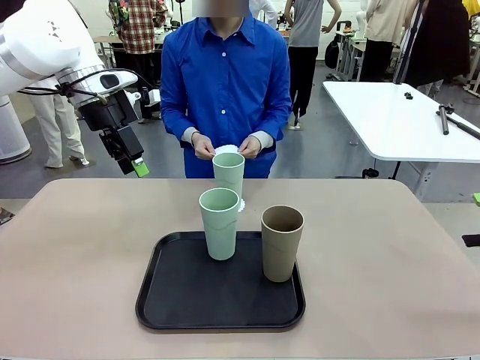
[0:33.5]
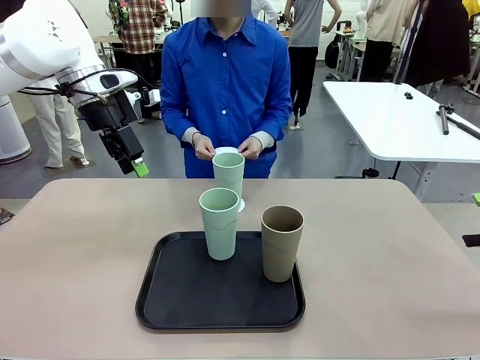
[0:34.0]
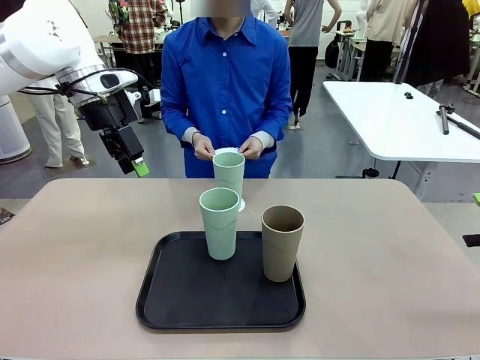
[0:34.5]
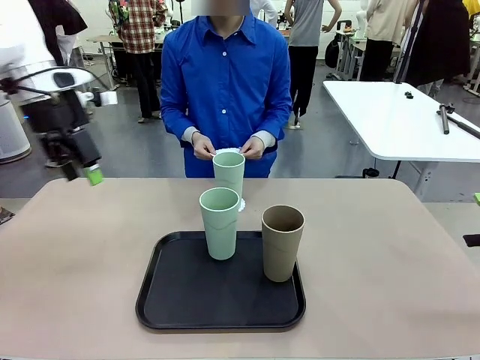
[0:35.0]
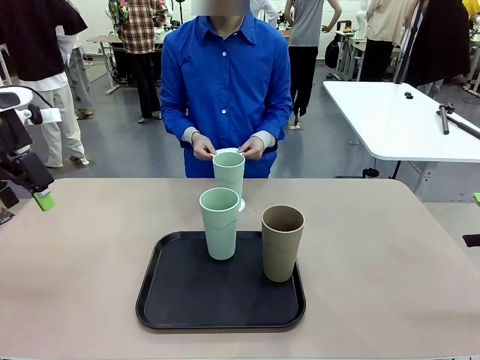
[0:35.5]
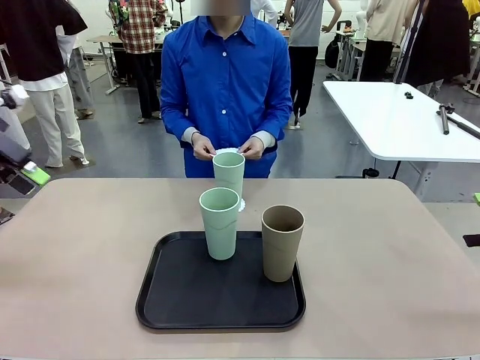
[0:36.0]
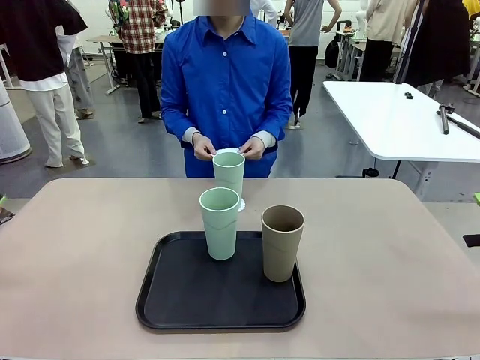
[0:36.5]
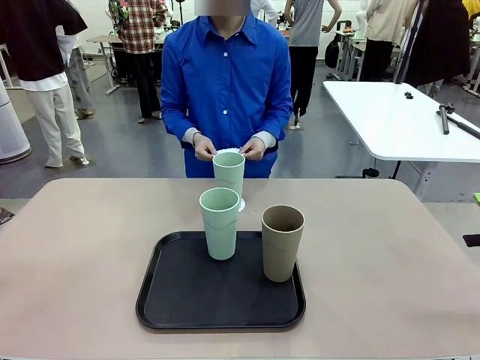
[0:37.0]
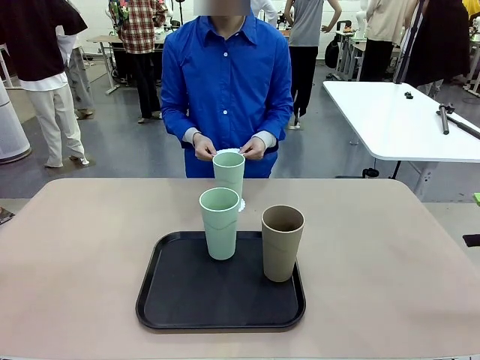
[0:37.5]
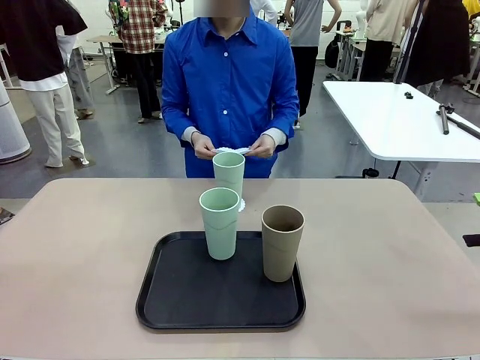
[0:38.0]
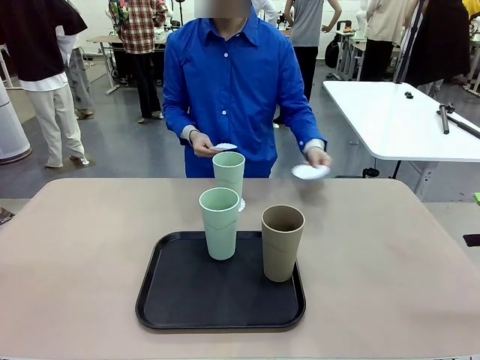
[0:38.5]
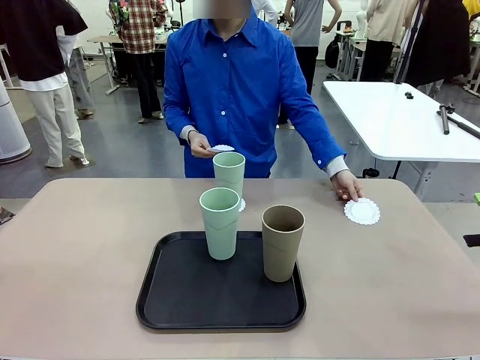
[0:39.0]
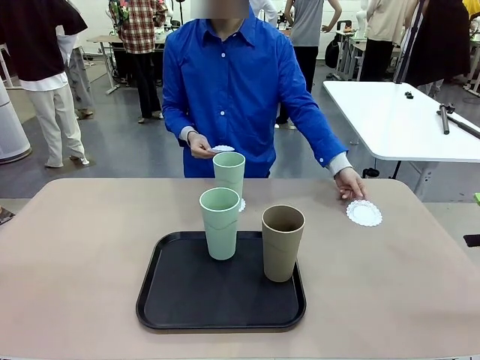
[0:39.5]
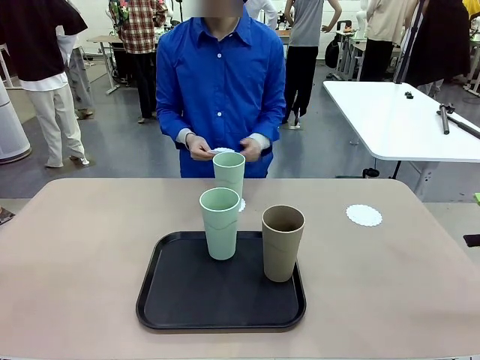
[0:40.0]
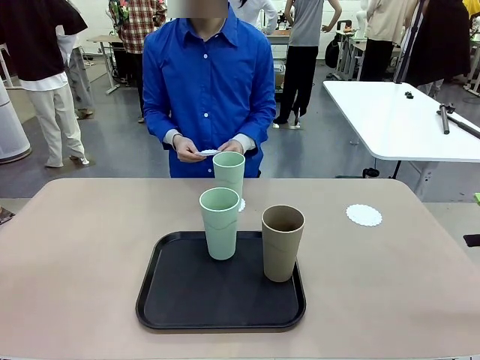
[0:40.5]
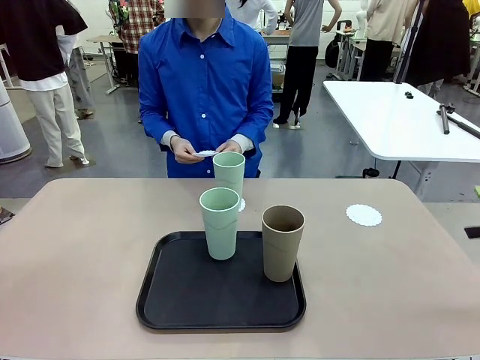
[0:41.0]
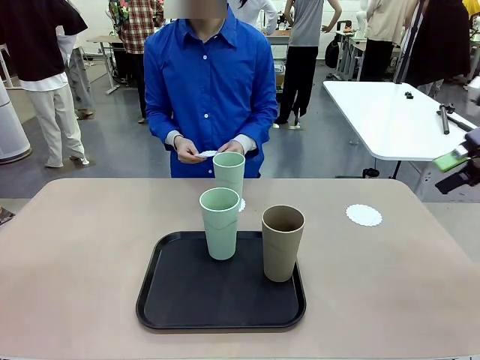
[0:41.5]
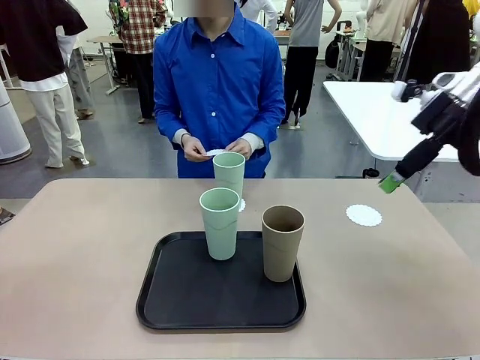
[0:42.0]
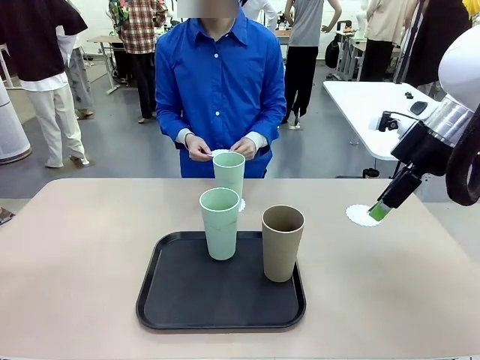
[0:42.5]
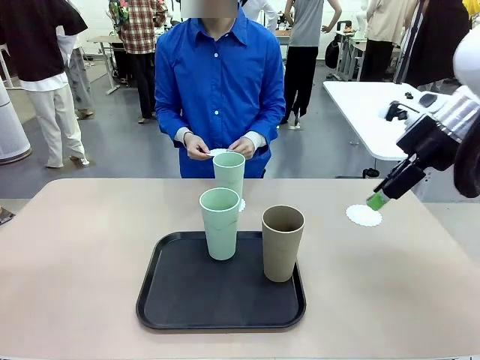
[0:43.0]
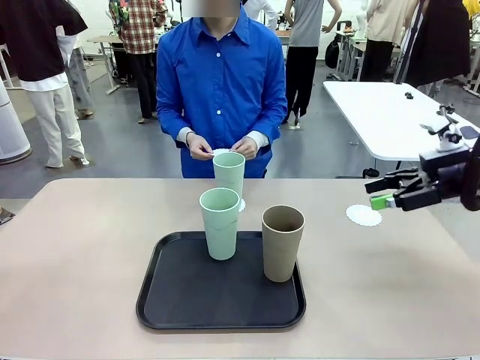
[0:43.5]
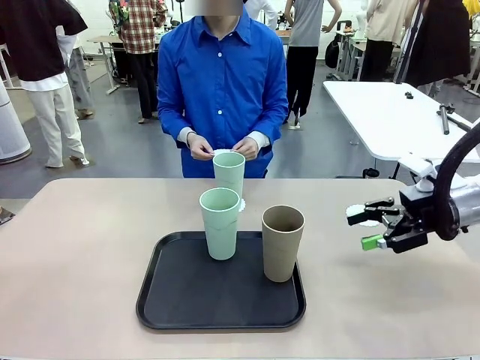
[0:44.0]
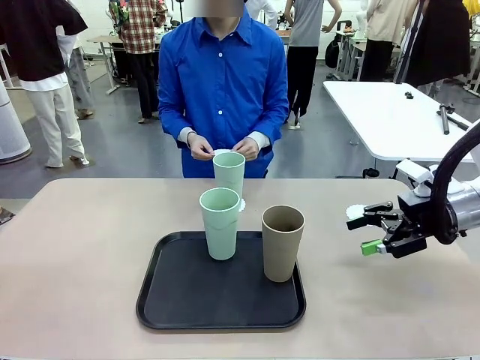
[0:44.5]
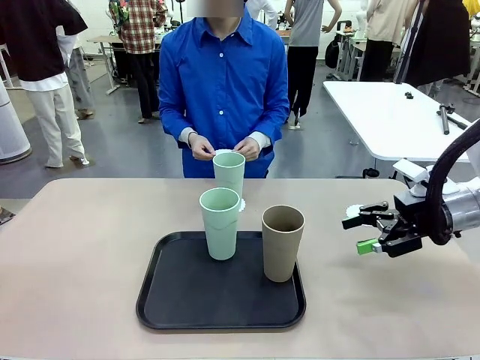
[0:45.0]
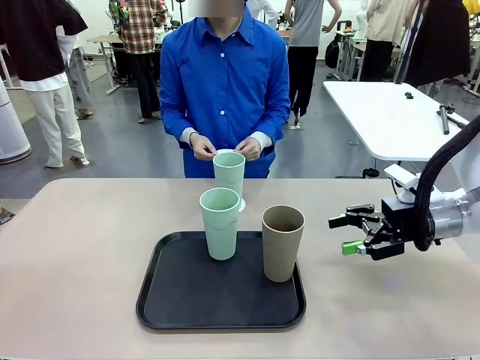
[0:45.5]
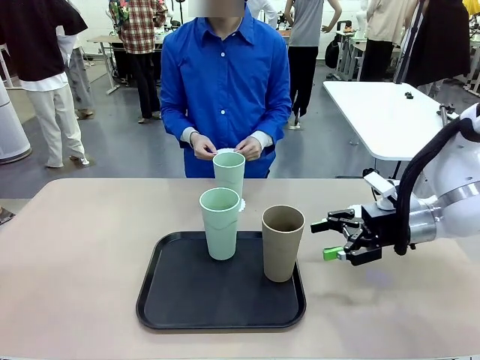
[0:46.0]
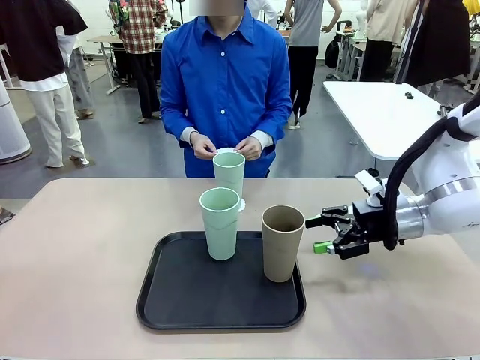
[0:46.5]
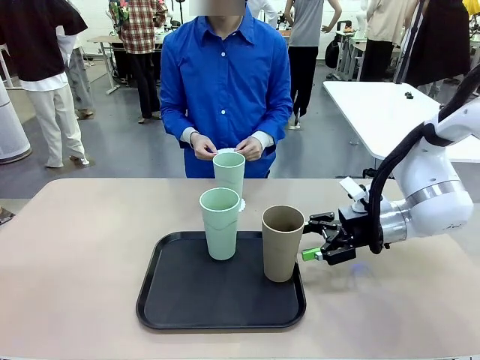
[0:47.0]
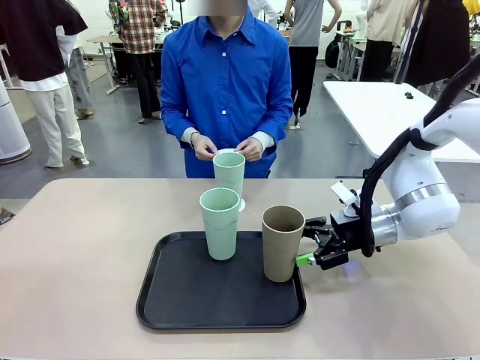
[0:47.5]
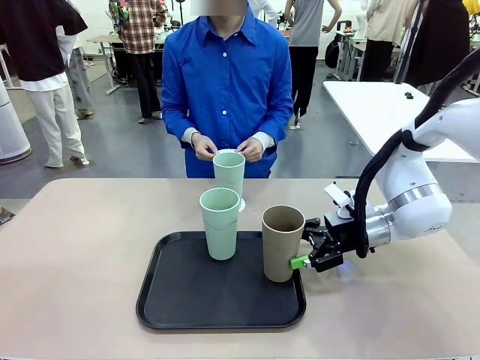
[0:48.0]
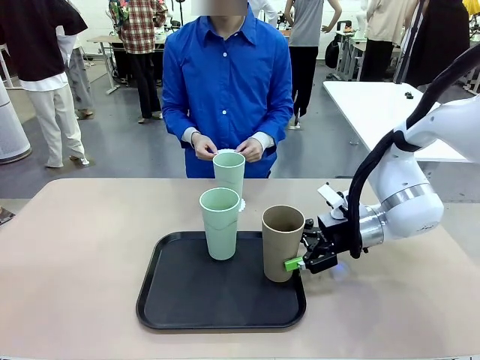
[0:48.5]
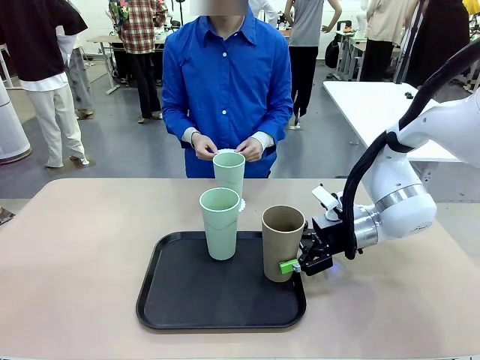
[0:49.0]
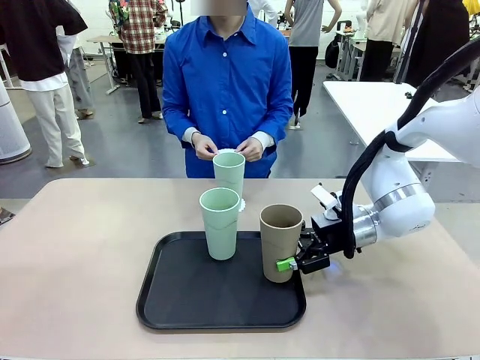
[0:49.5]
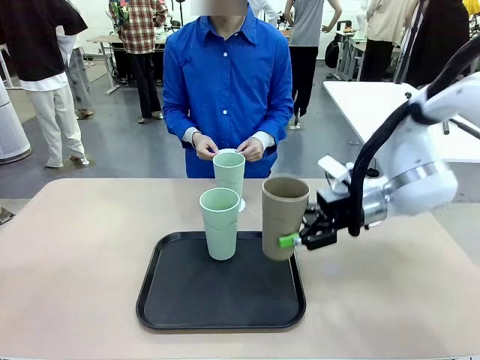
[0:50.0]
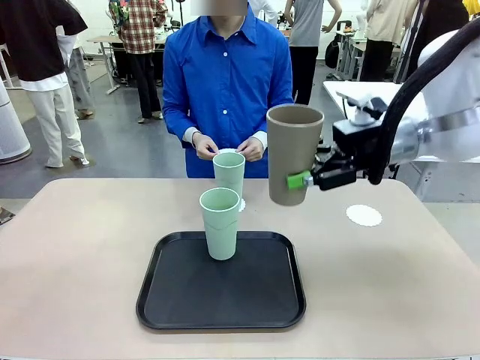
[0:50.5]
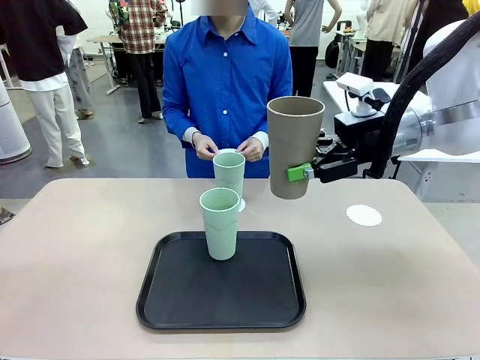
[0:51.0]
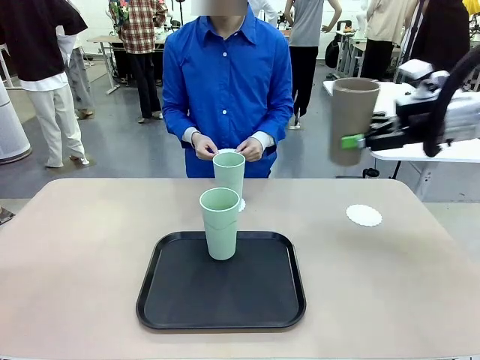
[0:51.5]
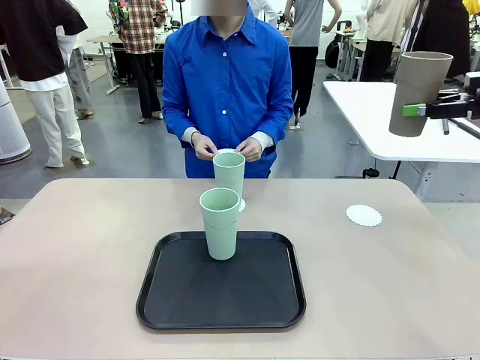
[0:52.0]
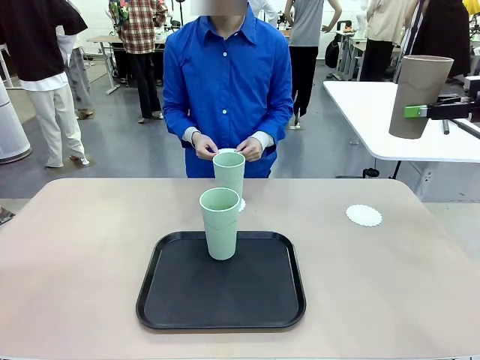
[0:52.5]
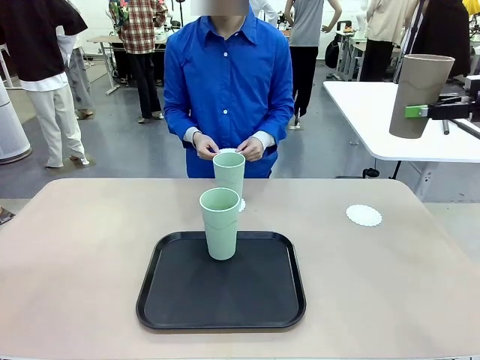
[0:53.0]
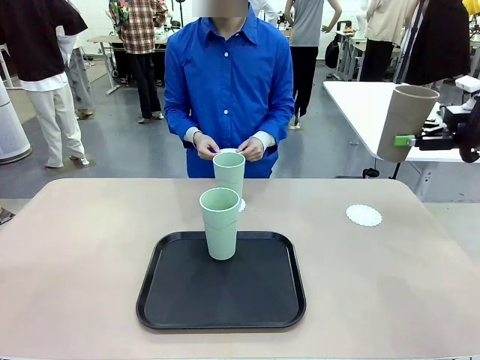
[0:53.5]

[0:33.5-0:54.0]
Task: Place coasters on the table and set cups on them.
Robot: Take one Reusable plastic cup from the Flat Tray and place it on a coaster set by the human.

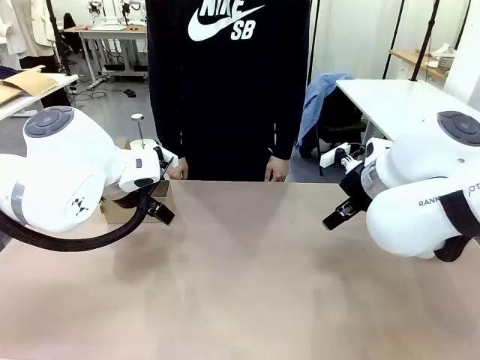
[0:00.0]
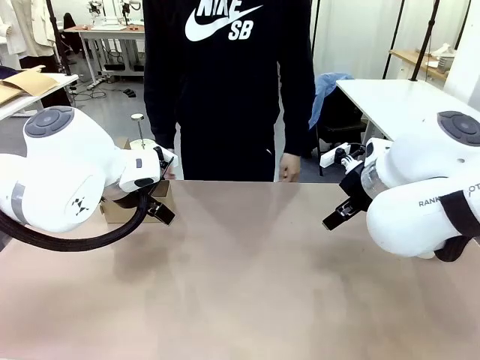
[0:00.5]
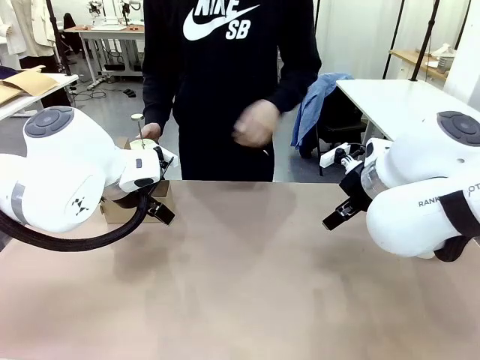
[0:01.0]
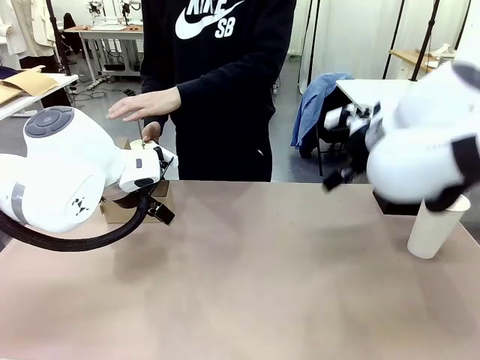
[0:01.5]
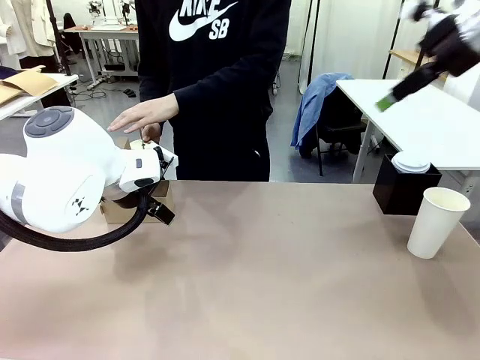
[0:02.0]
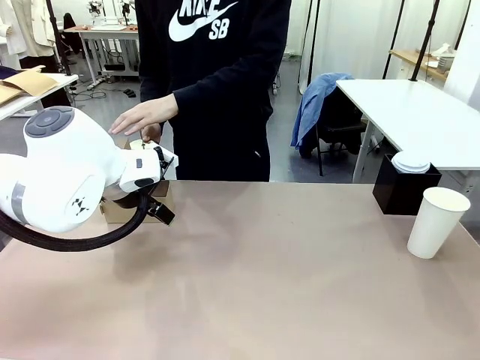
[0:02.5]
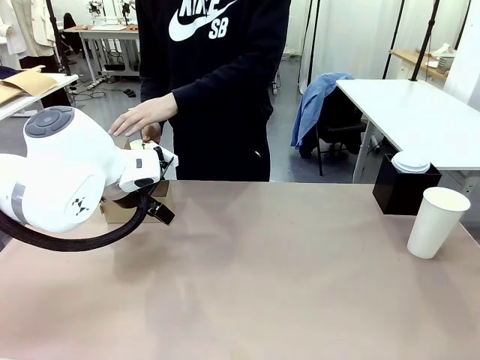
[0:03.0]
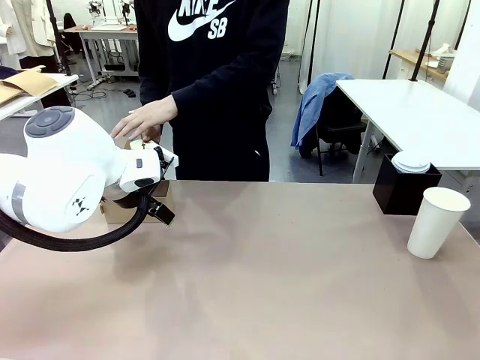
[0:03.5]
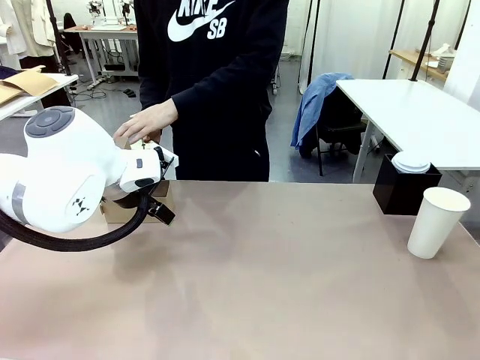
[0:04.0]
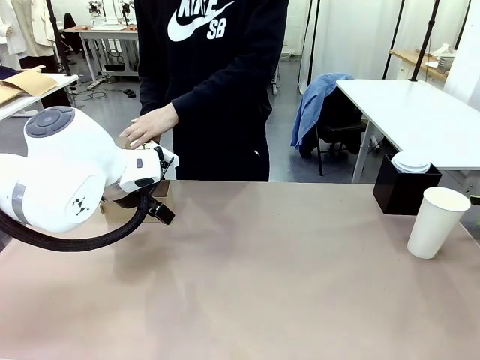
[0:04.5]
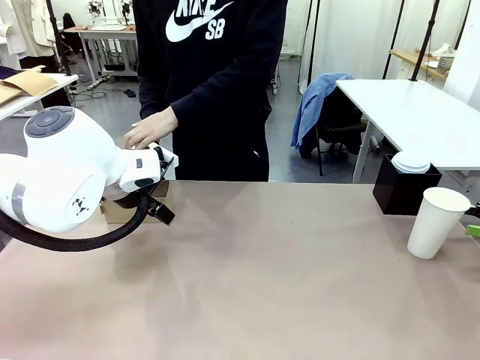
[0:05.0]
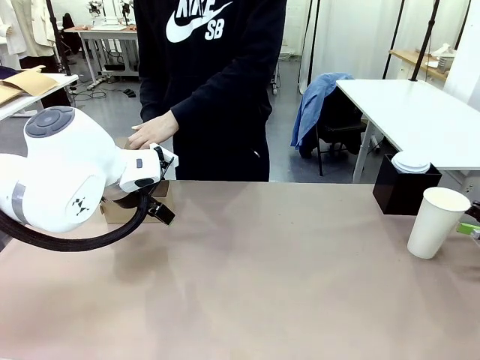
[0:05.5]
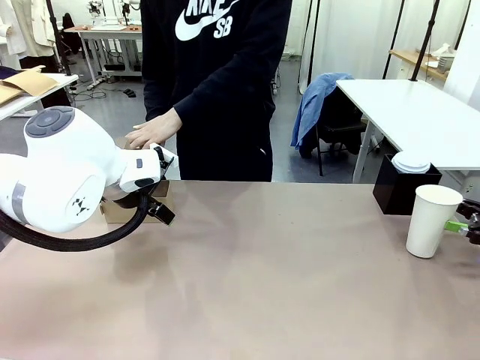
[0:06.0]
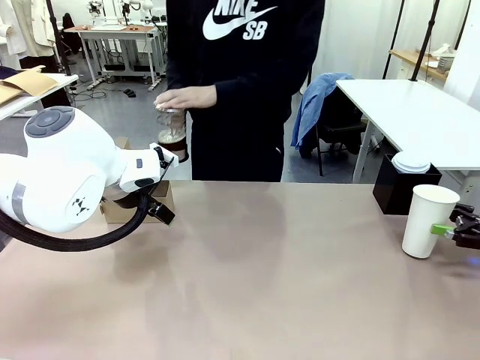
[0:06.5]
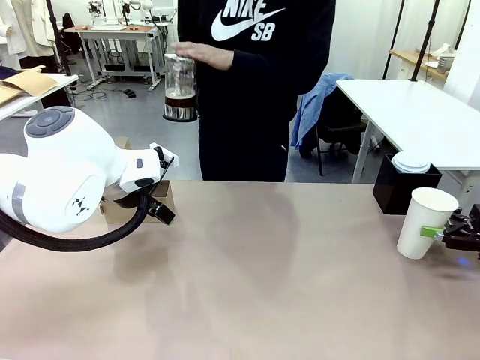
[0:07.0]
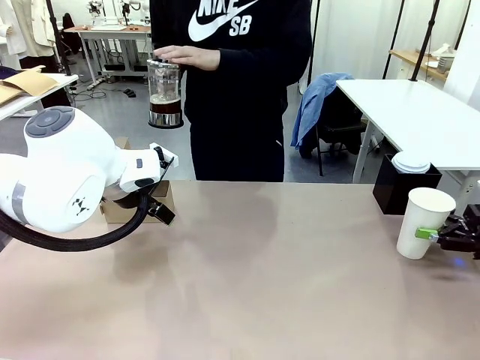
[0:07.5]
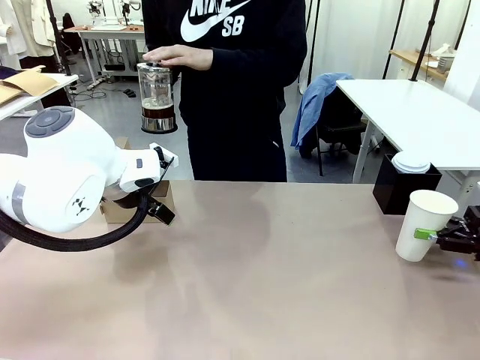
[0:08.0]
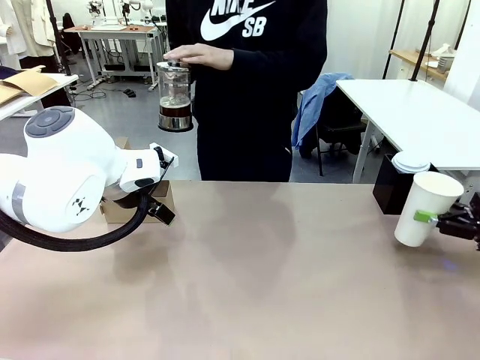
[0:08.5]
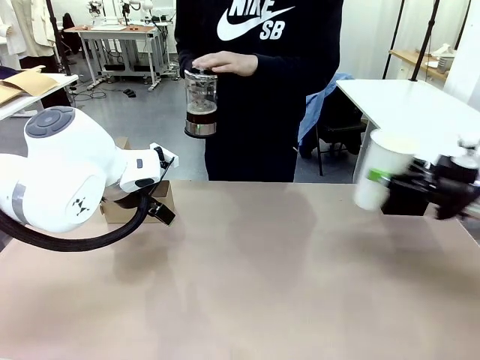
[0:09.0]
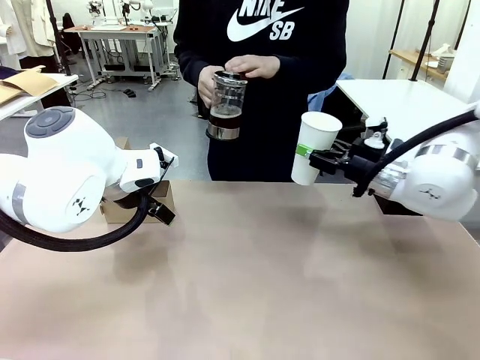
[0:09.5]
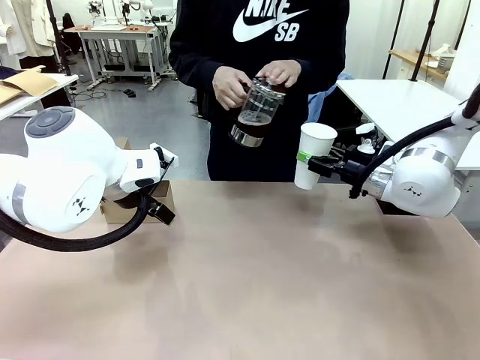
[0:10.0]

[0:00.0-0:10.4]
Task: Pour a drink into a cup and package it in a carrier.
Robot: Pick up the 600 ml Paper Cup and place it in the middle top area of the table.
Person: Press and pick up the Filter Brewing.
